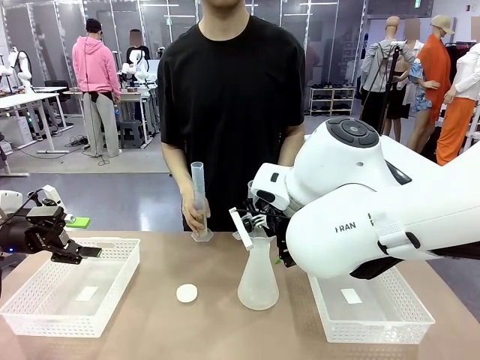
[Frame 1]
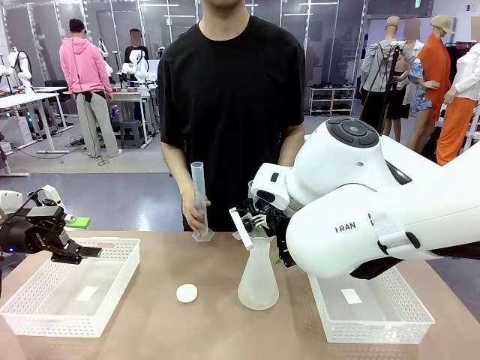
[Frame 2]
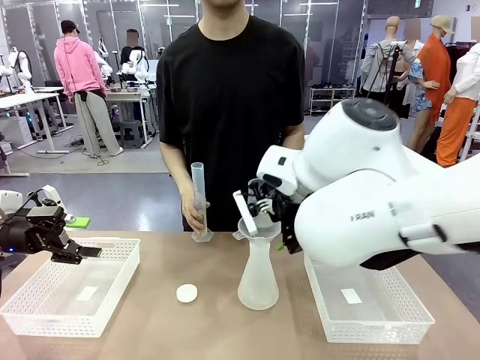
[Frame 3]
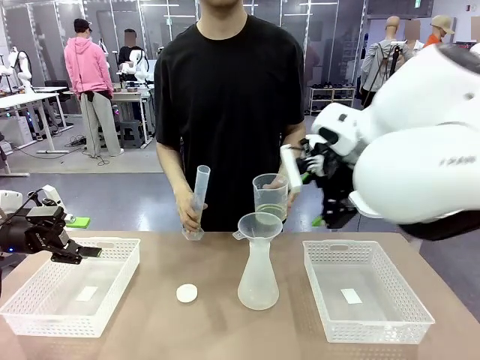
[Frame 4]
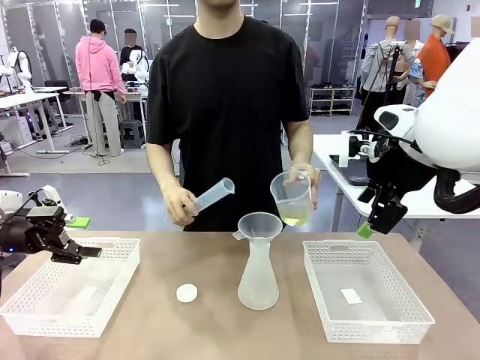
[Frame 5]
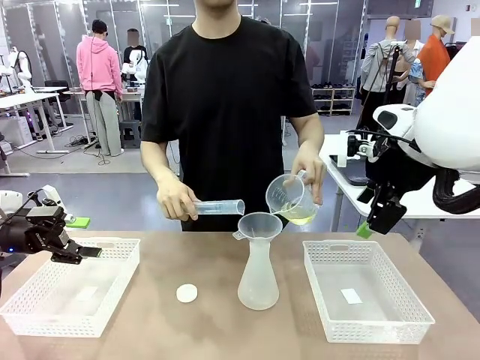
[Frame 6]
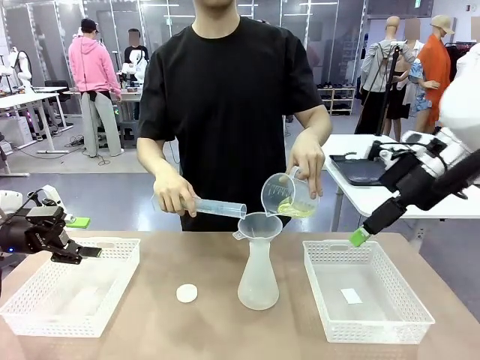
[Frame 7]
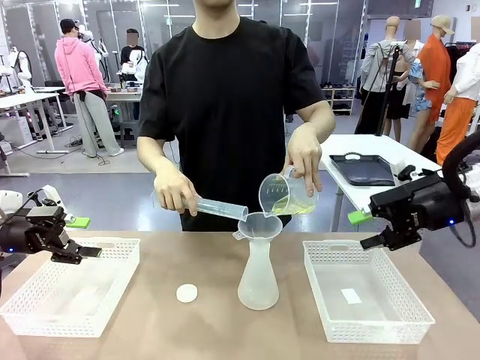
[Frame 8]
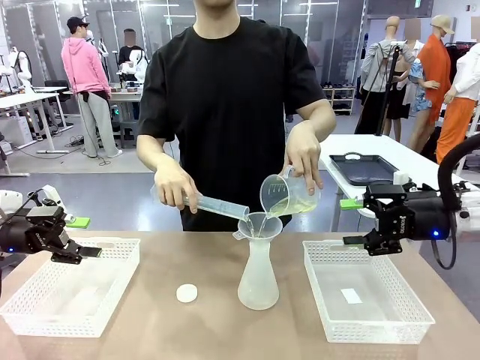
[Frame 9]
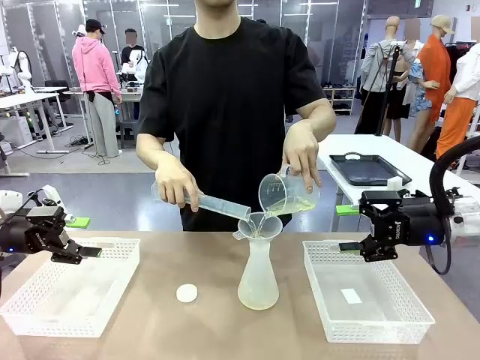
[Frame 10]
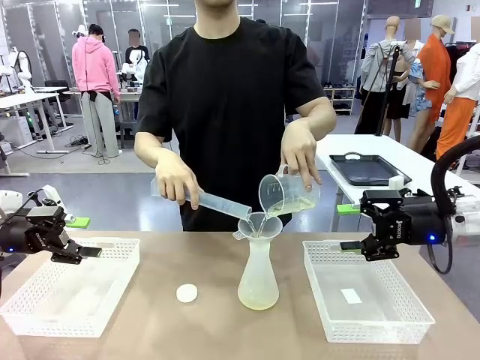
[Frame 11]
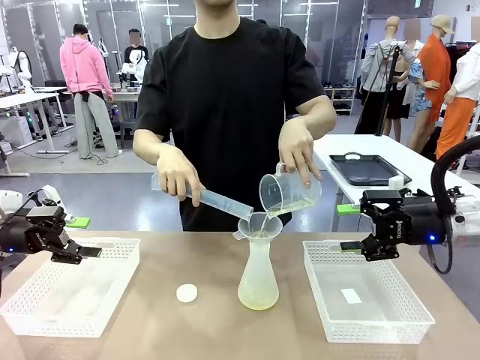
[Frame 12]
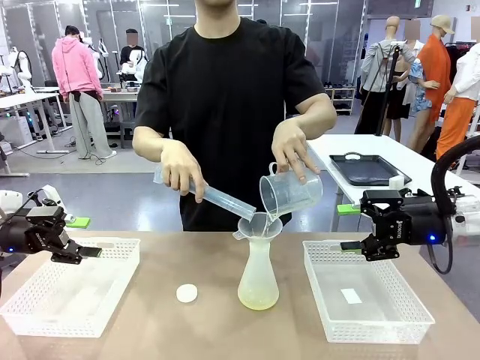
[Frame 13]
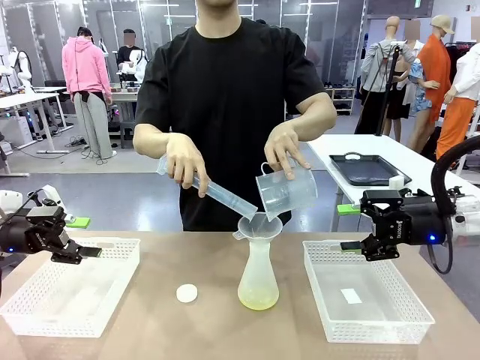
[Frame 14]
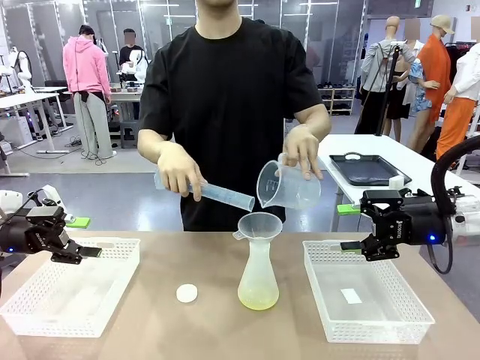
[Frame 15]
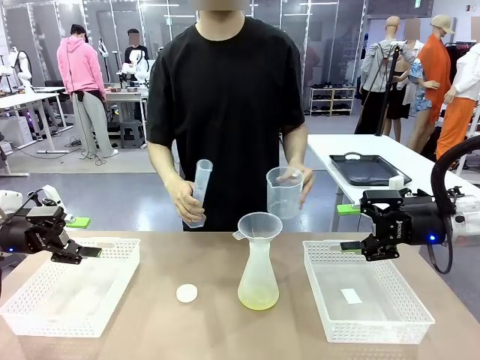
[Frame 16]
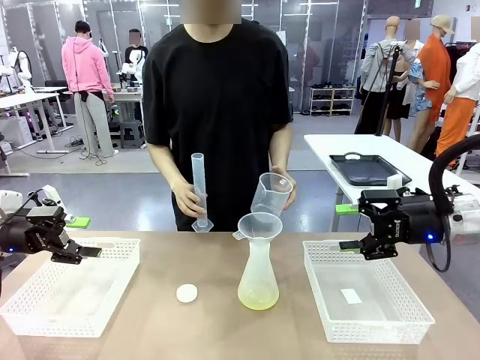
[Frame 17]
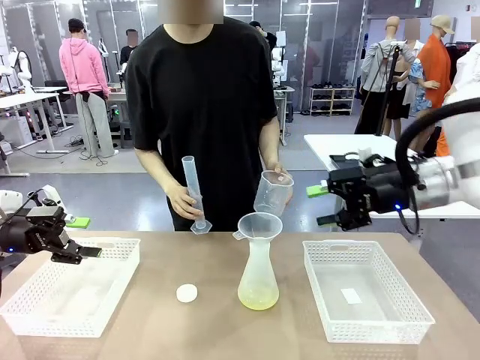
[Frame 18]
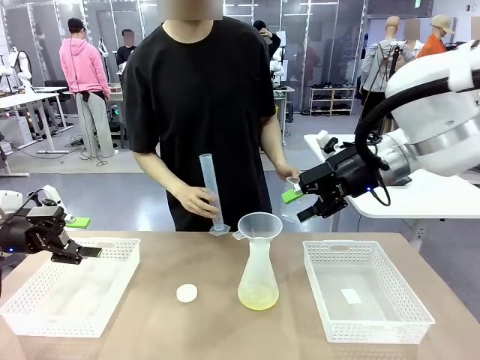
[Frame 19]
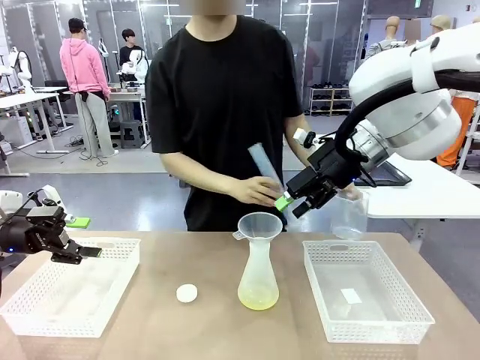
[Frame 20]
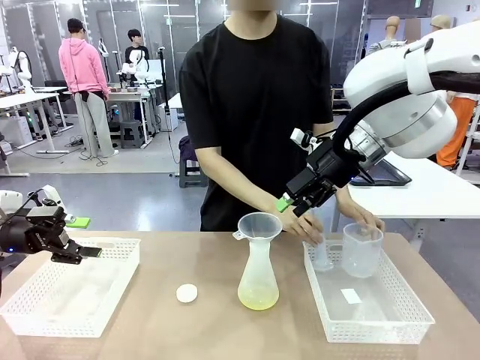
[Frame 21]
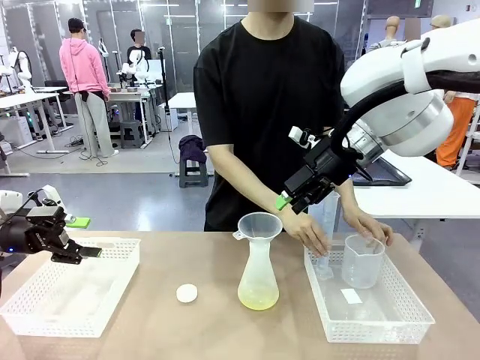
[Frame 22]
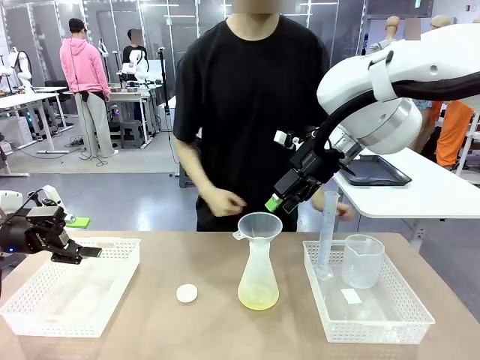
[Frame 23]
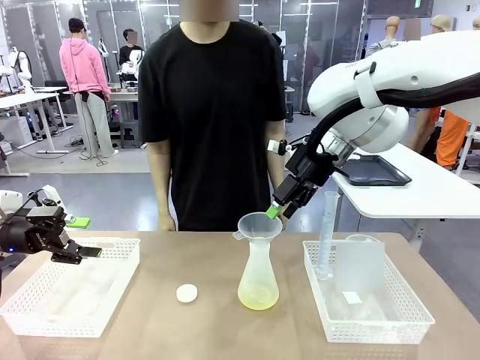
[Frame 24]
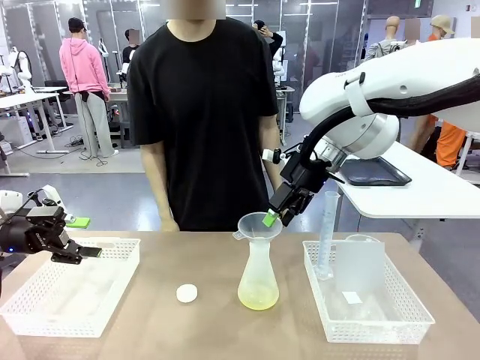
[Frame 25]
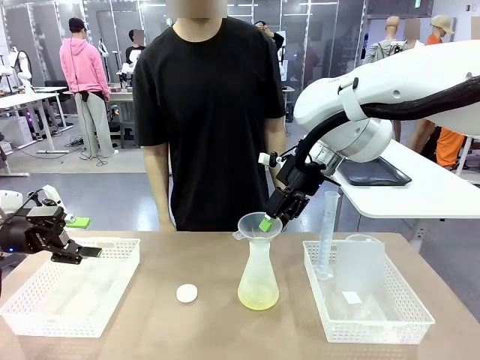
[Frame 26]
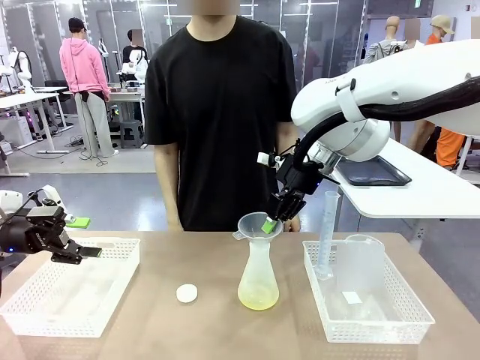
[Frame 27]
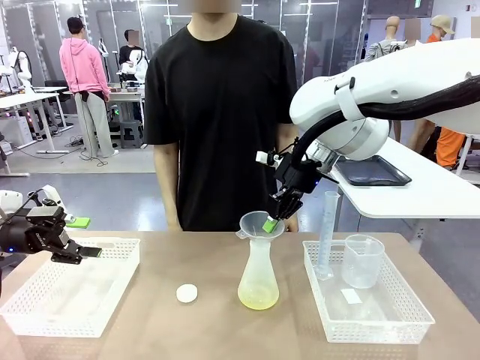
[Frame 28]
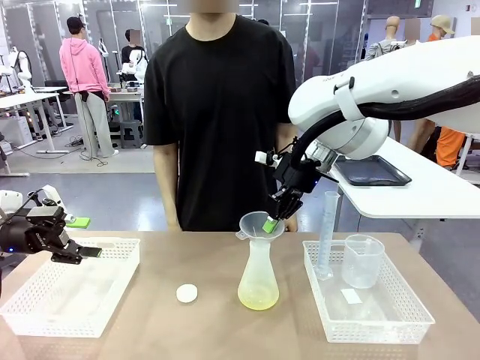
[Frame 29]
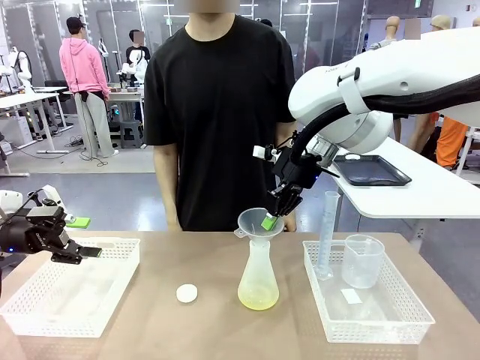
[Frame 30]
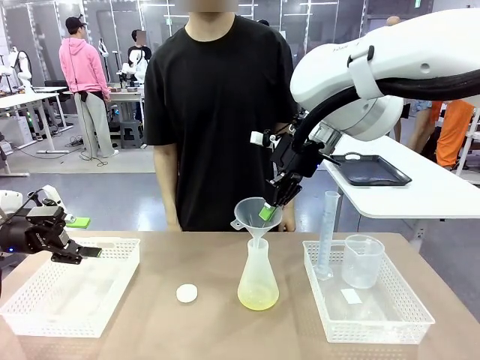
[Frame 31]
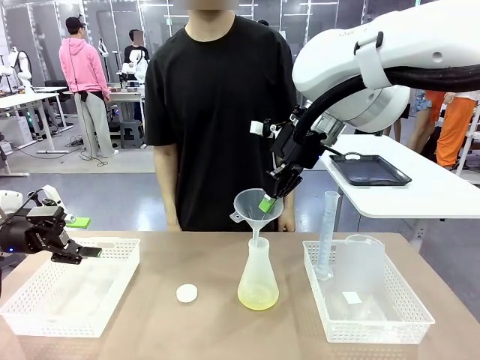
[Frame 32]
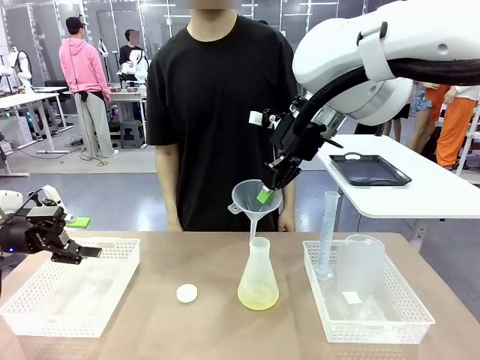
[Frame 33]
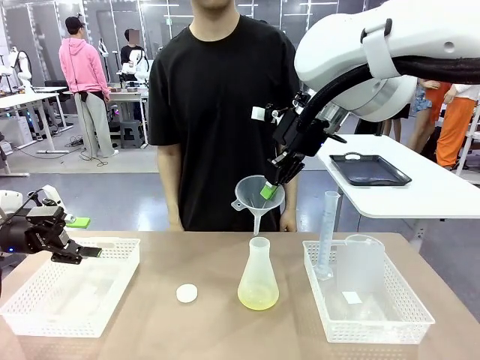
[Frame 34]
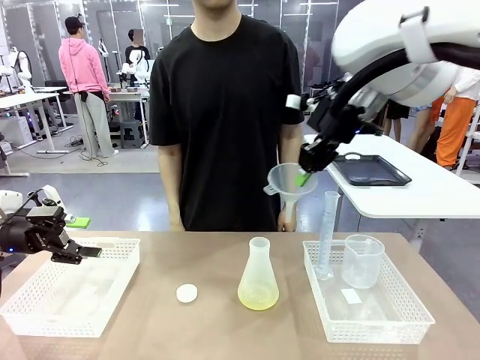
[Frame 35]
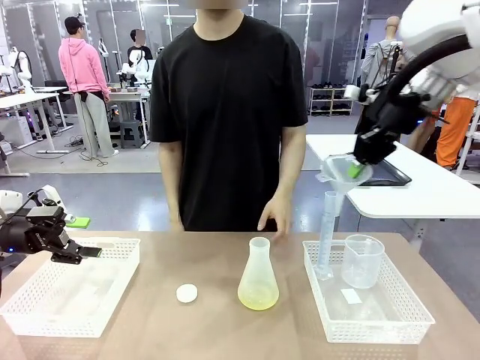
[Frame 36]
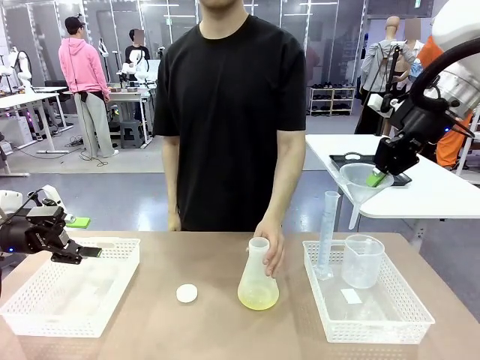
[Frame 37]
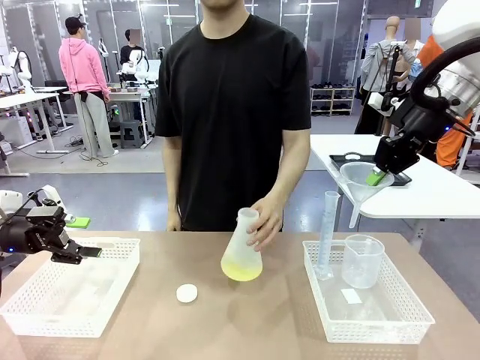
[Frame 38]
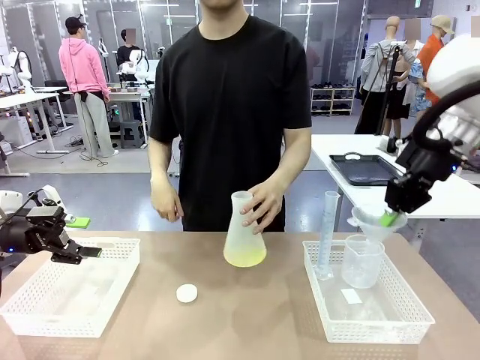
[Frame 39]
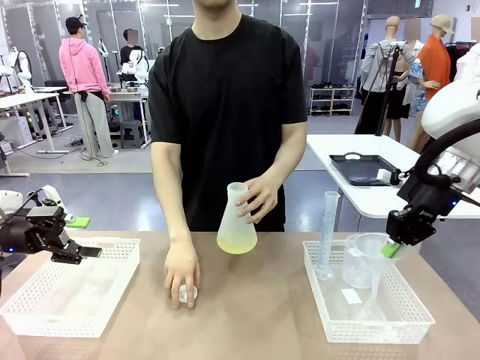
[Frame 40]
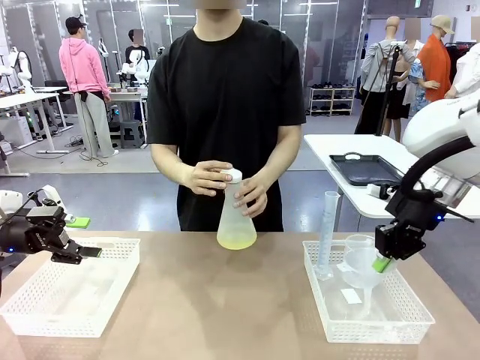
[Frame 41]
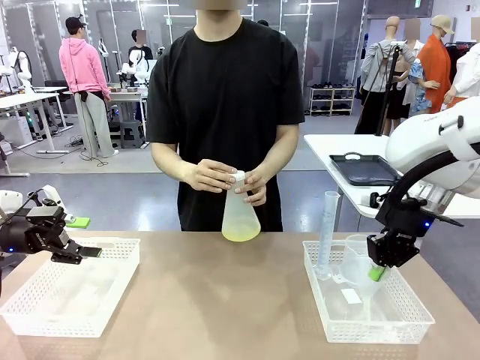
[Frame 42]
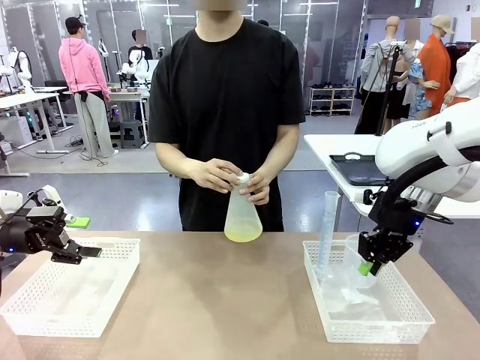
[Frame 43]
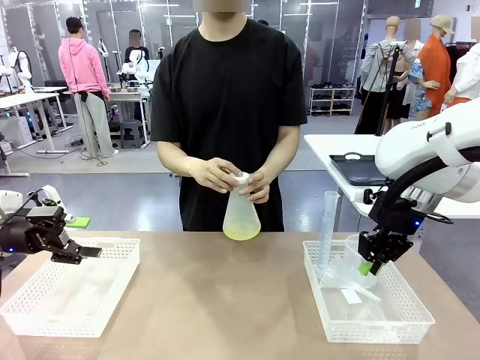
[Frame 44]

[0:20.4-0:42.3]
Task: Prepare the solutions needed for the experiment.
Robot: Once the solution is in the Big flask , pick up the Plastic Funnel and place it back into the right Organizing basket.
Person: Place the beaker and the cylinder into the organizing basket on the left side. Pick up the flask, gently shake it 2–3 times, place it in the middle of the robot table, and close the lid.

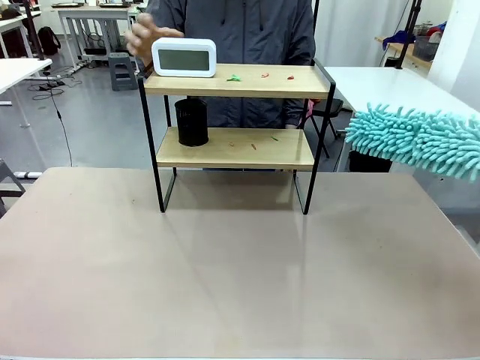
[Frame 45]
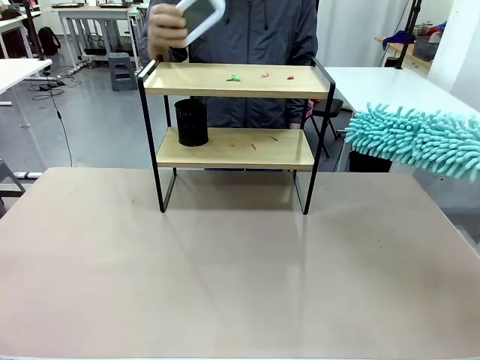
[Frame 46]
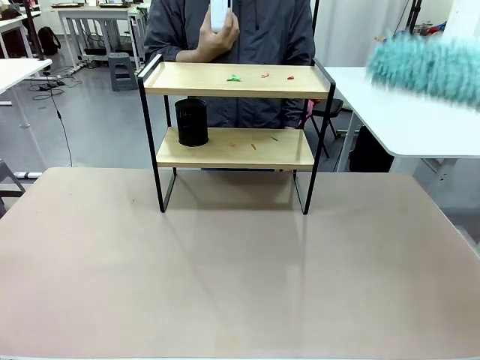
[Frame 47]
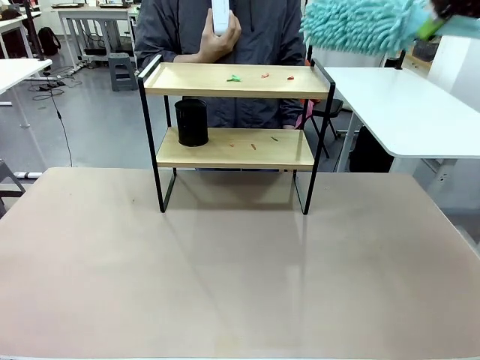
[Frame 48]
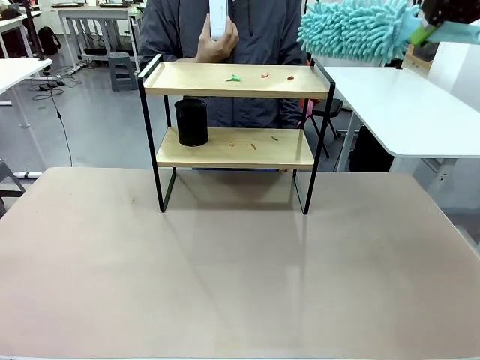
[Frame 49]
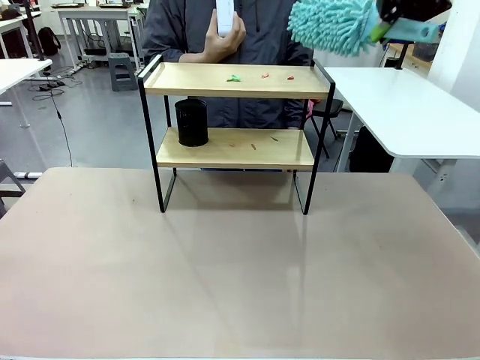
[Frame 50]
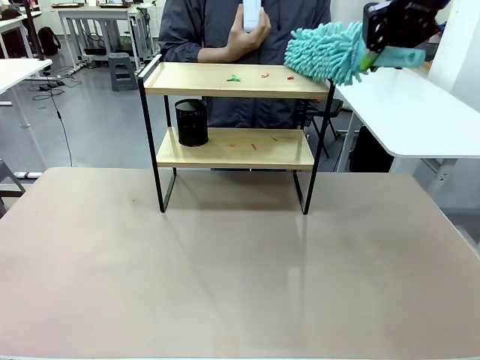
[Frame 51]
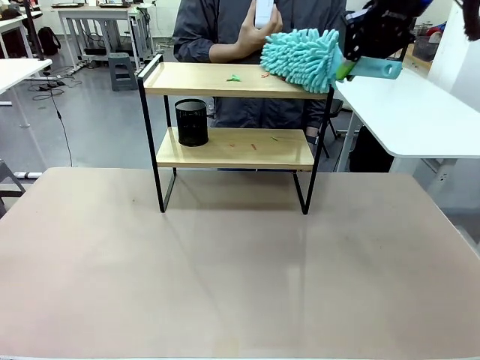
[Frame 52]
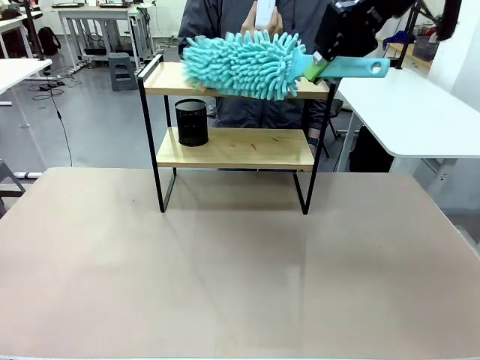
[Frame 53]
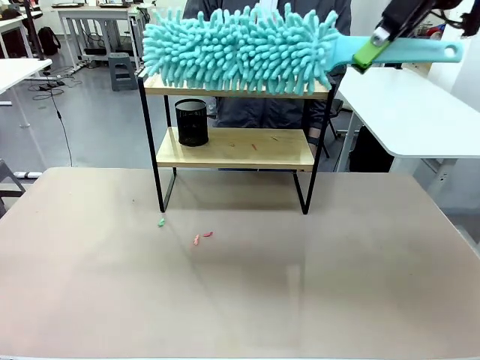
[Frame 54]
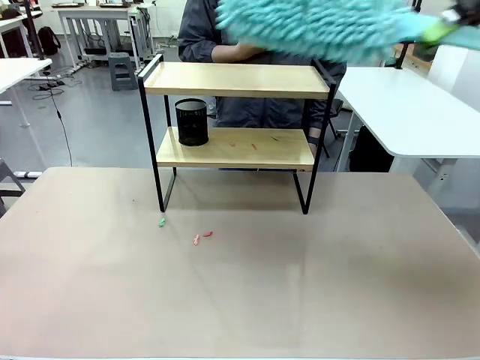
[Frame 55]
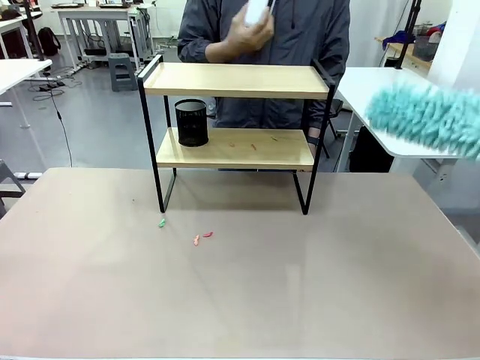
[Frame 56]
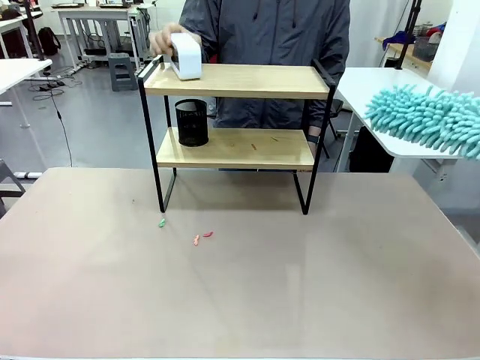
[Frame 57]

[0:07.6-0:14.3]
Task: Clean the shelf.
Robot: Clean the specific tier of the Shelf with the Duster once objects are removed.
Person: Lift the objects on a randomly selected tier of the Shelf. Once the robot finishes cleaning, lift the objects on the remaining tiers of the Shelf.
